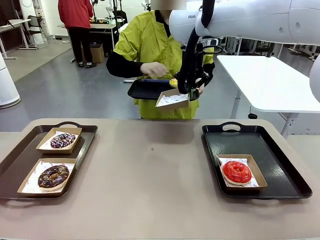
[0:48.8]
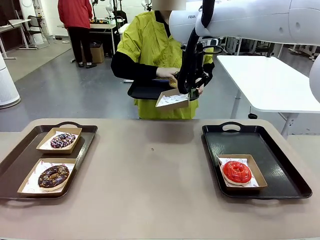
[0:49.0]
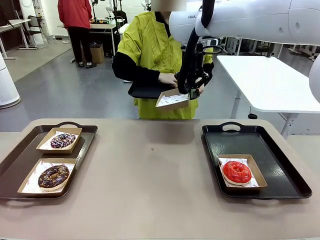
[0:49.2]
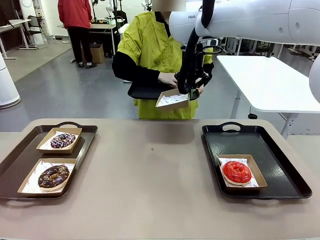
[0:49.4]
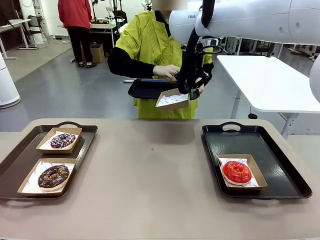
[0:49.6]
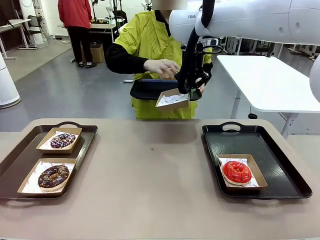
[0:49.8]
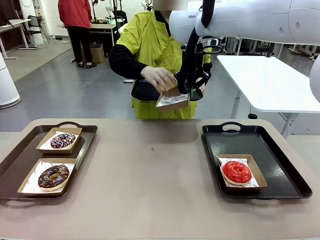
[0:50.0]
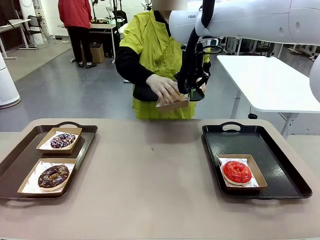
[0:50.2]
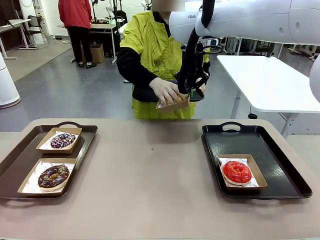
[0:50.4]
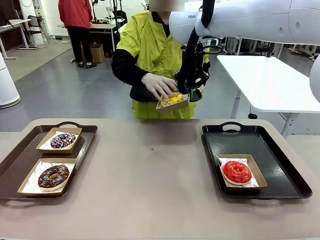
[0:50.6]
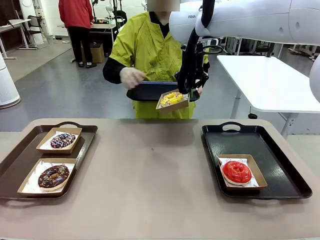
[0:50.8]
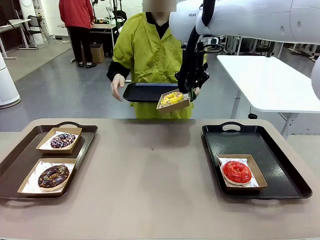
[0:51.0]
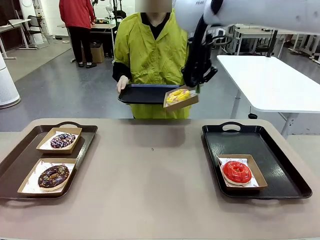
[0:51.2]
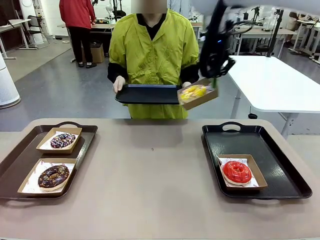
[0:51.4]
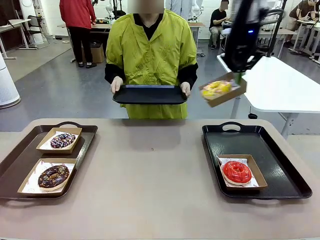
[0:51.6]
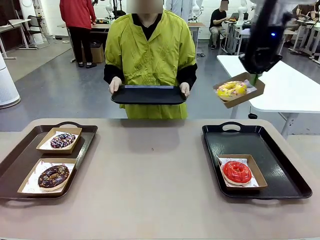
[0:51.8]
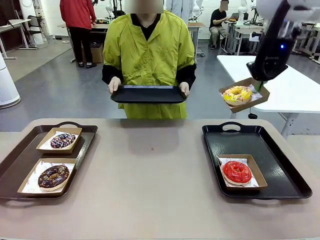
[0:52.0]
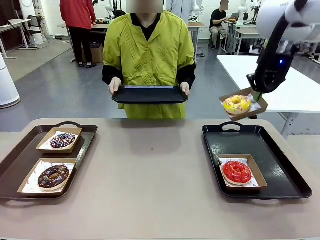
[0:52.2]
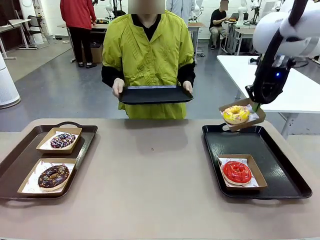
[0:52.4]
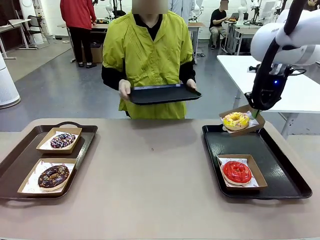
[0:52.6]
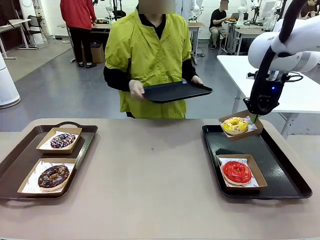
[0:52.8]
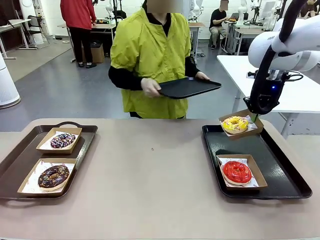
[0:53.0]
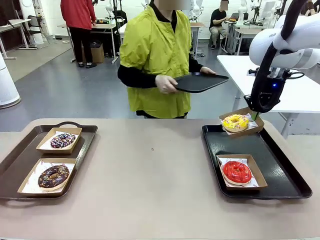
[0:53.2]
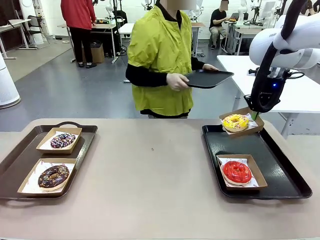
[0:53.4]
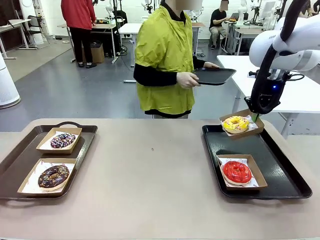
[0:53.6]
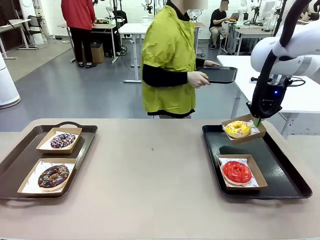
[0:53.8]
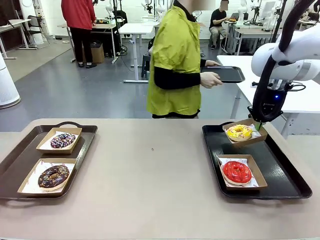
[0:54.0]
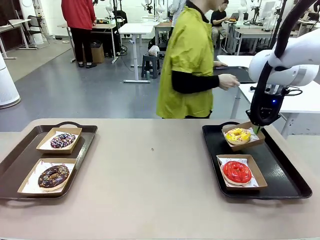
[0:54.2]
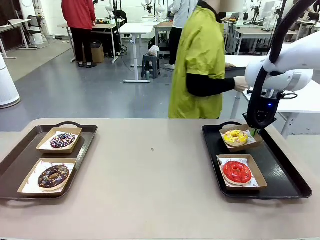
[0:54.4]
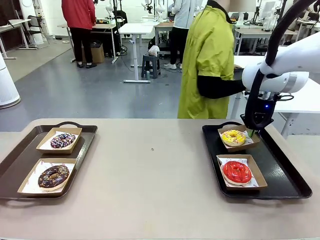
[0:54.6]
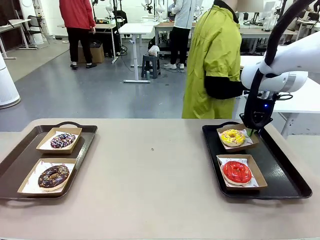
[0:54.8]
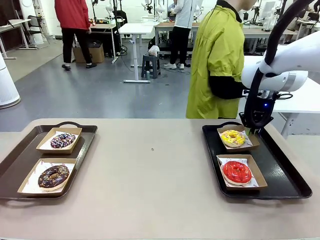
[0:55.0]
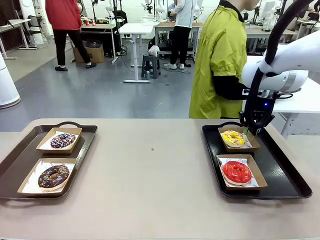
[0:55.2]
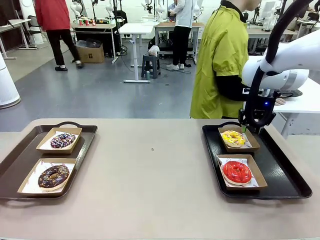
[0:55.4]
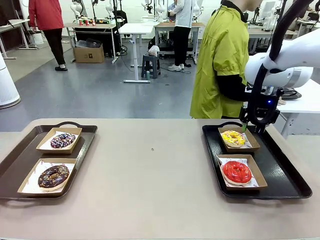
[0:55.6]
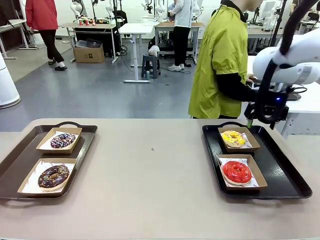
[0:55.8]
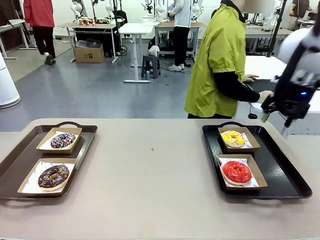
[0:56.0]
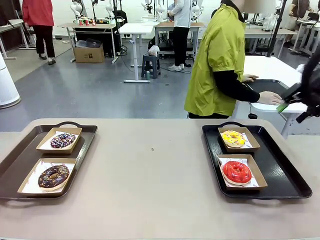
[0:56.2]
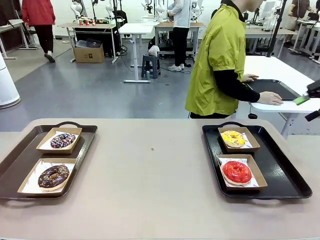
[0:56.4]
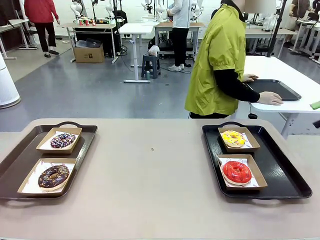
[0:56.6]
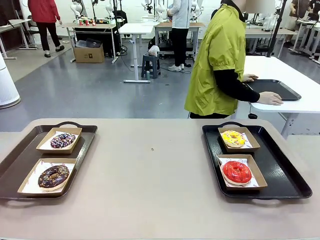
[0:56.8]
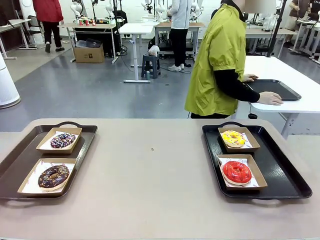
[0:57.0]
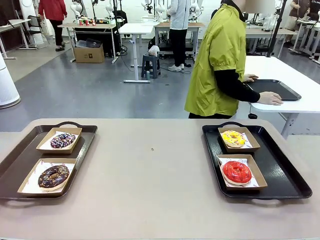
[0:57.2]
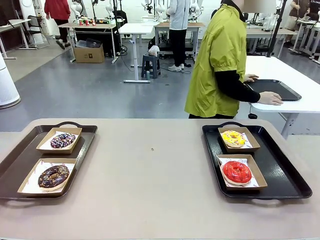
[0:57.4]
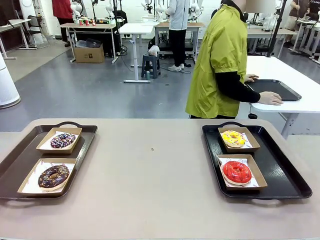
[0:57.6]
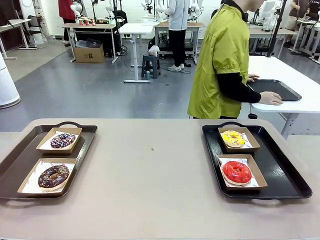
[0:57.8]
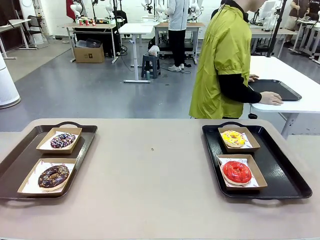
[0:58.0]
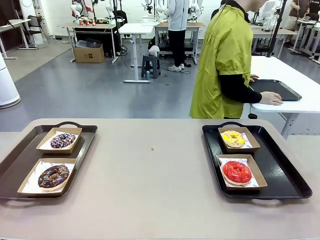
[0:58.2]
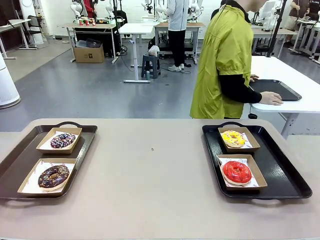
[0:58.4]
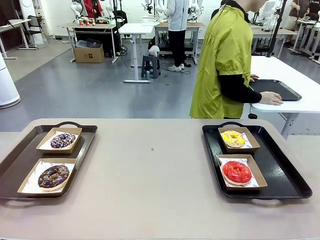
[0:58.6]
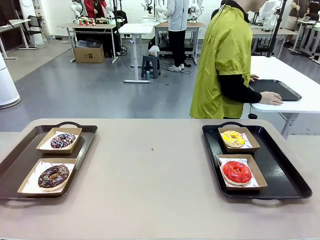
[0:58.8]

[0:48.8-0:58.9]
Task: Individually package the donuts and arrange them on the tray.
Robot: Place the picked Paper togo box on the Handle tray.
Person: Place the tray down in the middle of the human table.

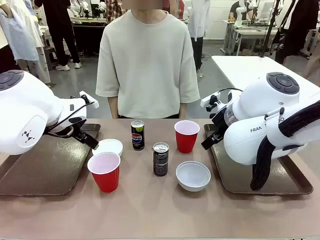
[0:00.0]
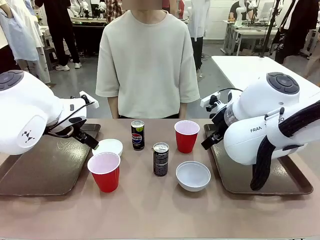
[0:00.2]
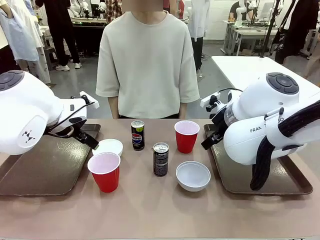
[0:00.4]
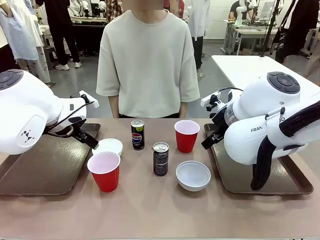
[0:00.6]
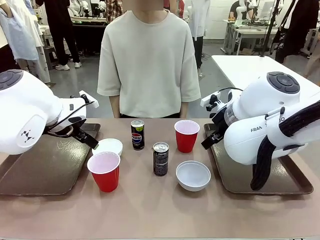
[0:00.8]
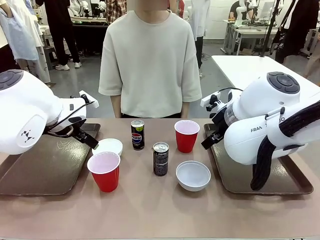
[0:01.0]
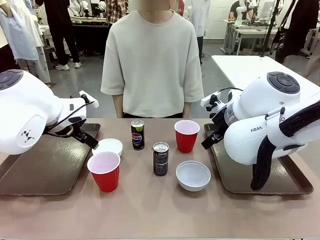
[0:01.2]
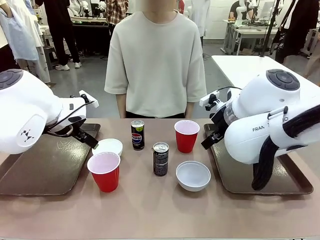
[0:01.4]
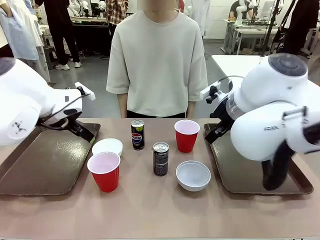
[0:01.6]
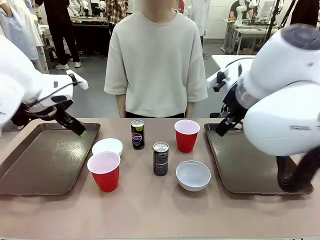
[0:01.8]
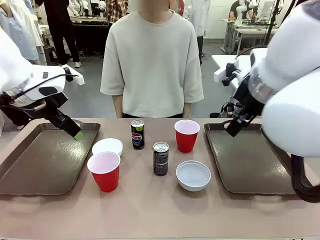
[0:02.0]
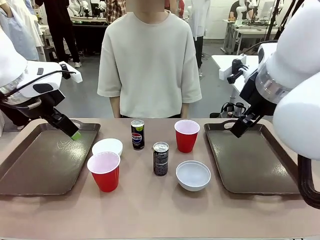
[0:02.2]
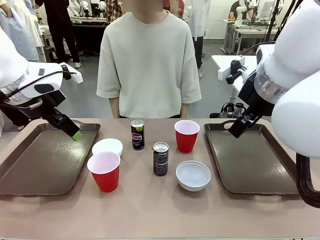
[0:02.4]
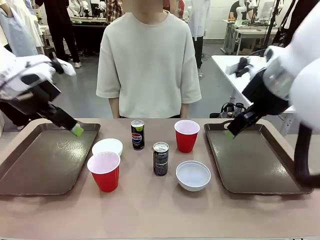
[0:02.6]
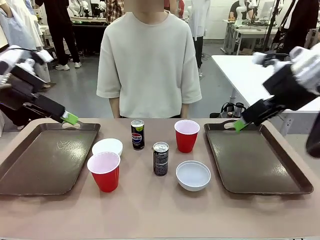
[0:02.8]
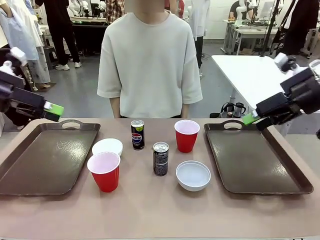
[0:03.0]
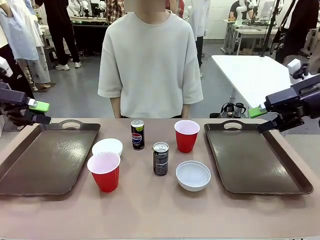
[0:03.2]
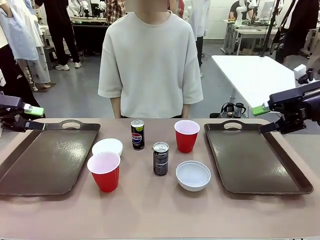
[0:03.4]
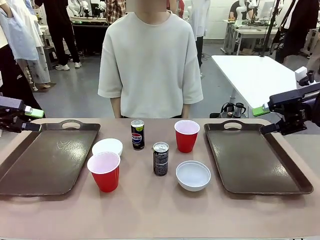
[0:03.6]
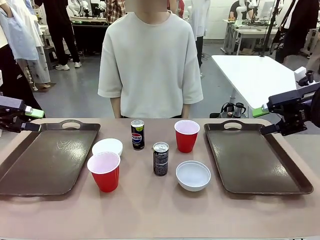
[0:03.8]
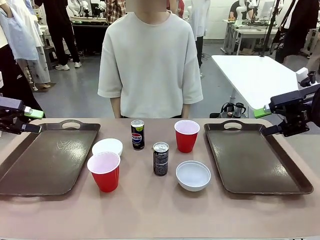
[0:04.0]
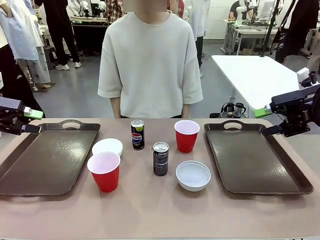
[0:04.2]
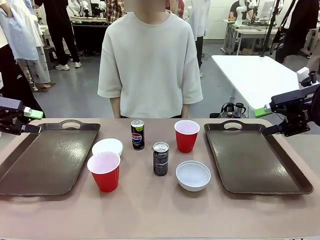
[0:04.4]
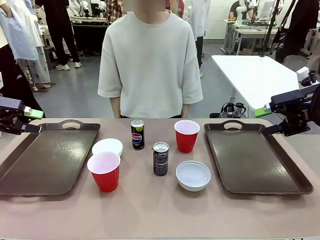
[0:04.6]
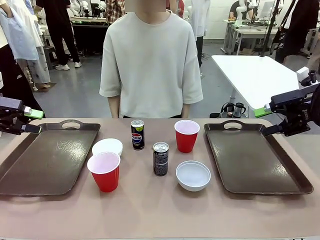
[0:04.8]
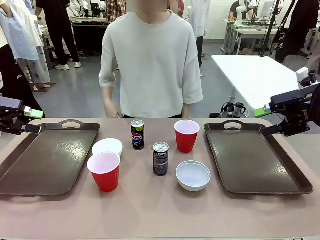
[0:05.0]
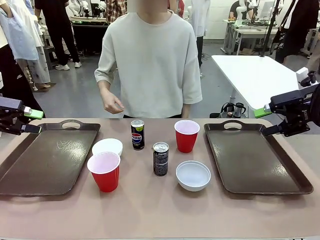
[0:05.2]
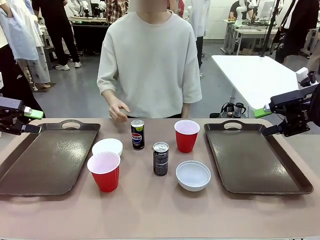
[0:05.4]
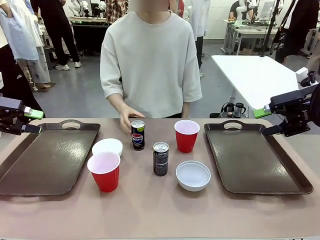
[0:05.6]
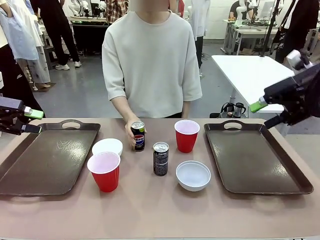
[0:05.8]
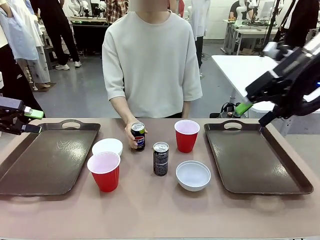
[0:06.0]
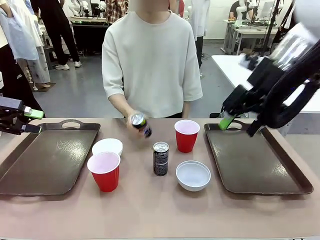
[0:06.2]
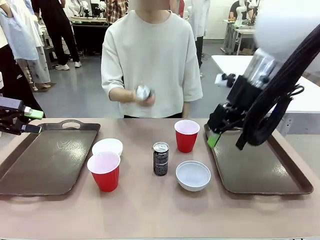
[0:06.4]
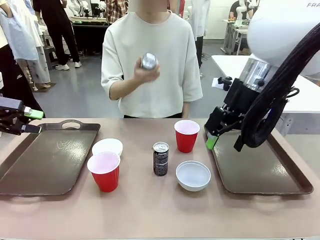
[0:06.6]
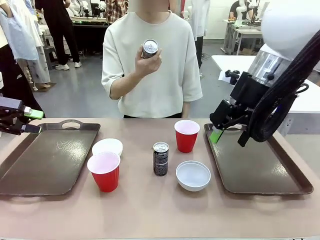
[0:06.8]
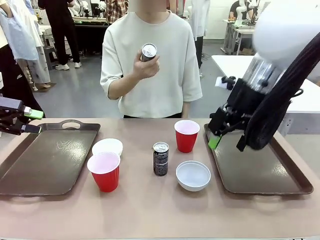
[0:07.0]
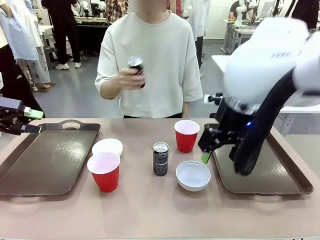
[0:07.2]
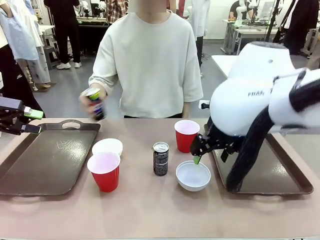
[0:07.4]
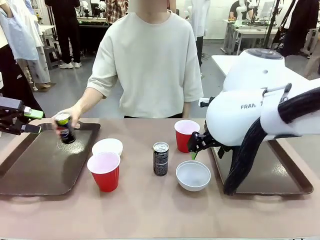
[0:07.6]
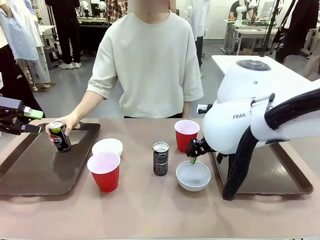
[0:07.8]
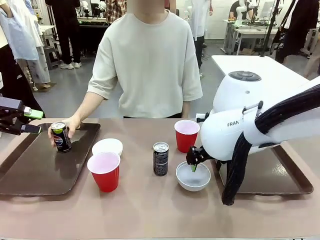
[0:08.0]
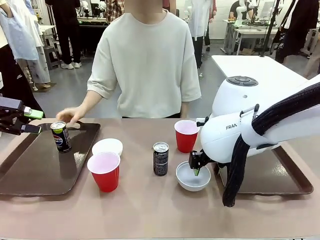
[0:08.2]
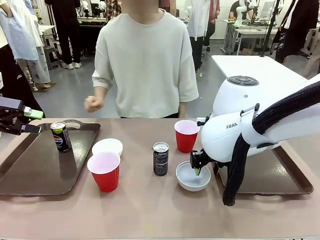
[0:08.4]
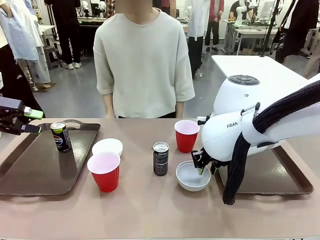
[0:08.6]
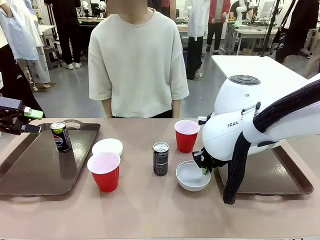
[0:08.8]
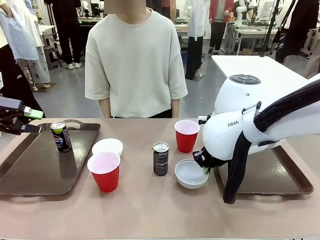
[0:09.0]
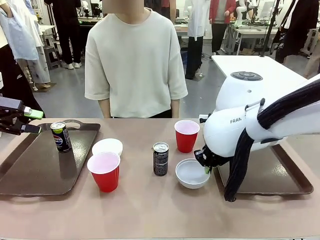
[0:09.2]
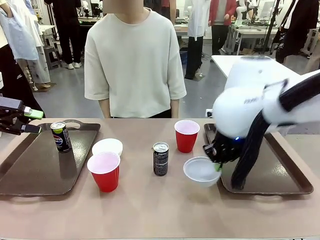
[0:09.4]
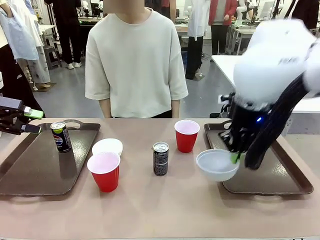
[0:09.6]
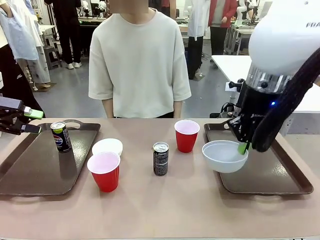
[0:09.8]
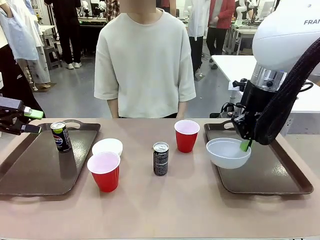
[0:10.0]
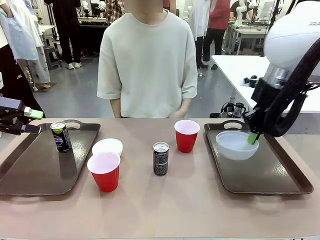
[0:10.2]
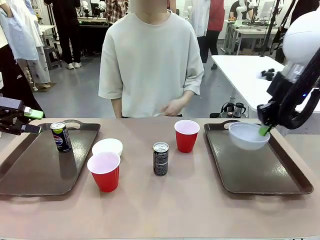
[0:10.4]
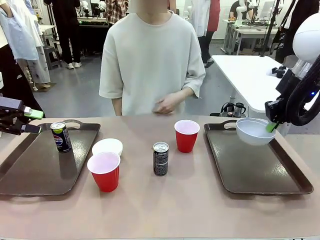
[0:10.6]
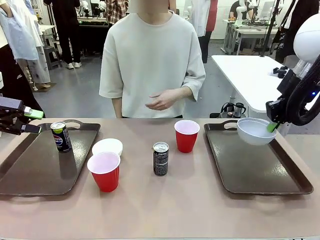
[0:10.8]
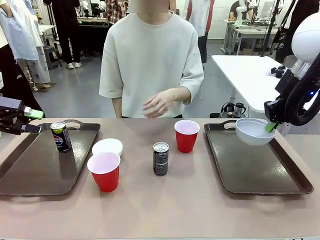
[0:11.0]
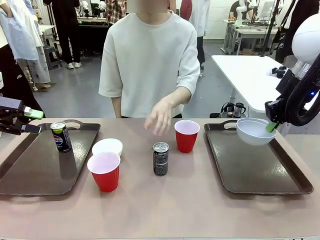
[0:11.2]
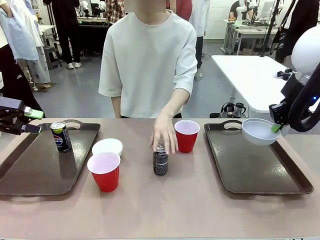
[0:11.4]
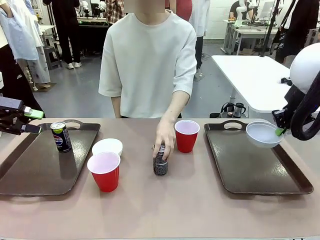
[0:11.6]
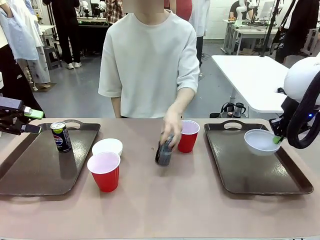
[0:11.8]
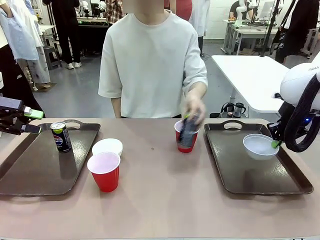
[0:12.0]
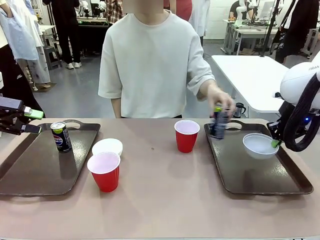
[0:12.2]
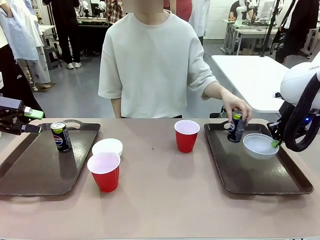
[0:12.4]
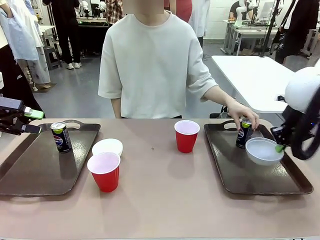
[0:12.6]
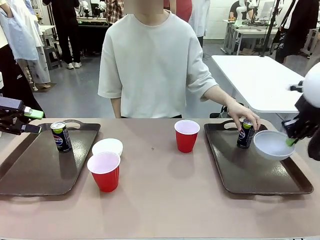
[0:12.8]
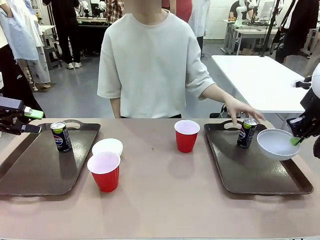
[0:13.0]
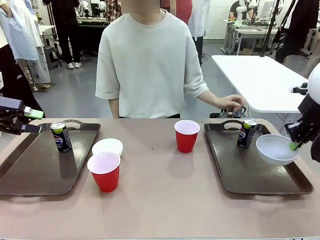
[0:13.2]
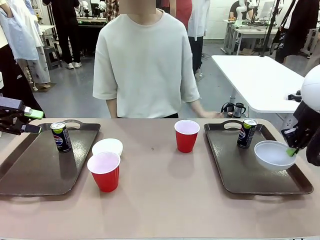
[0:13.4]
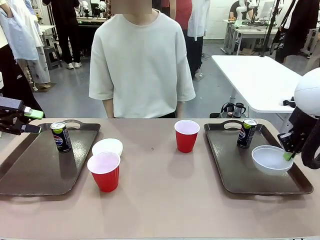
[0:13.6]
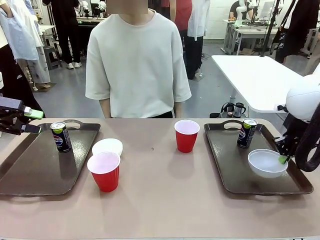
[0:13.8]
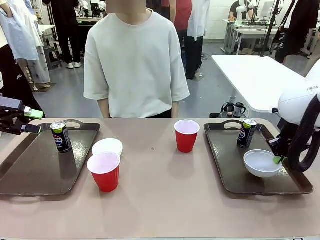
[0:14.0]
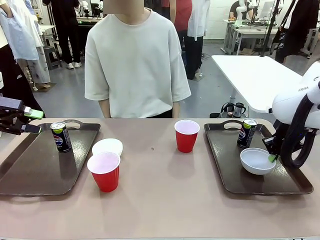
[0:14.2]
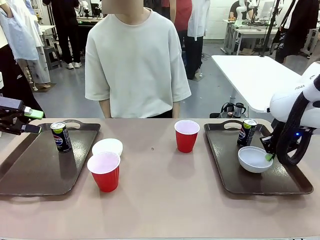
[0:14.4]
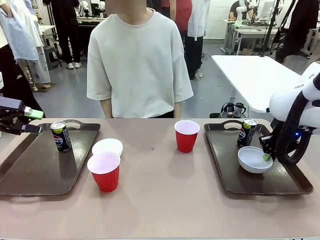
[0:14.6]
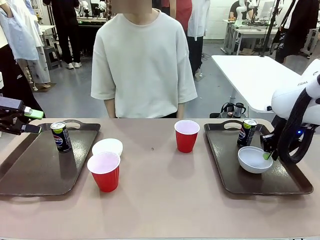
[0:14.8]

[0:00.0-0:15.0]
Task: Prepare tableware on both trays.
Robot: Pick up a Picnic Bowl from the table and place it on a Handle tray.
Person: Pick up a can or cup and place it on the tray.
